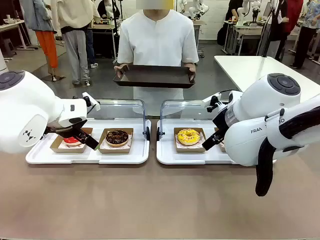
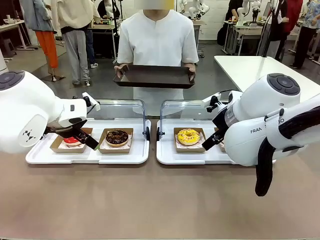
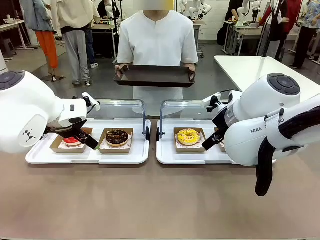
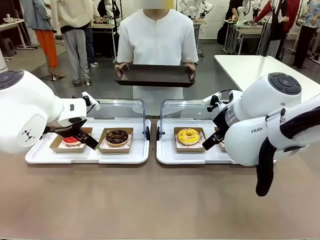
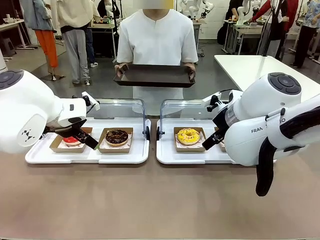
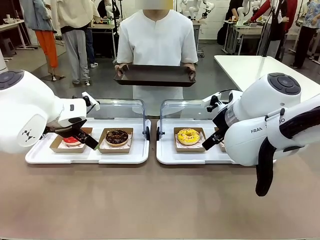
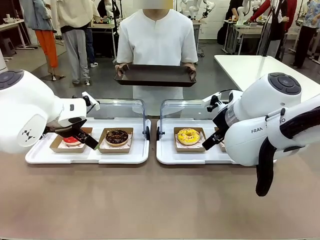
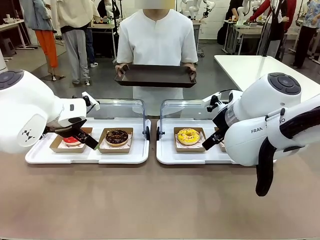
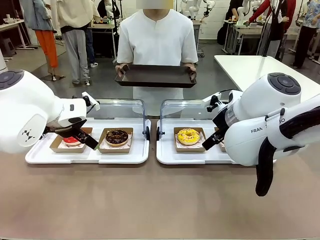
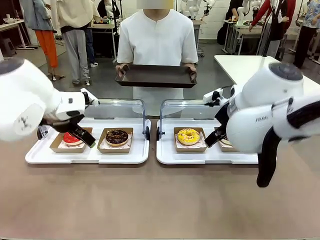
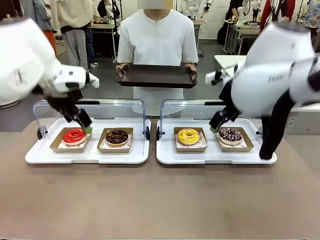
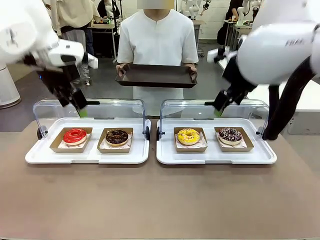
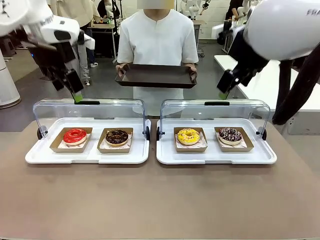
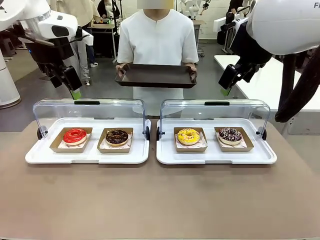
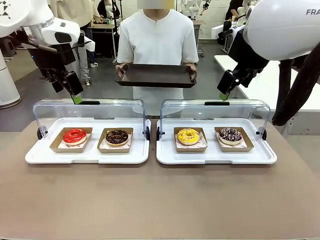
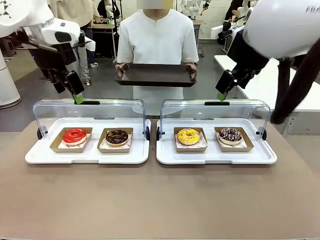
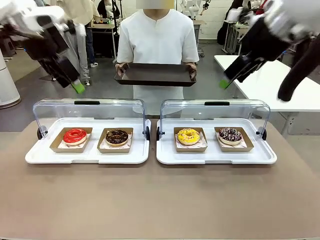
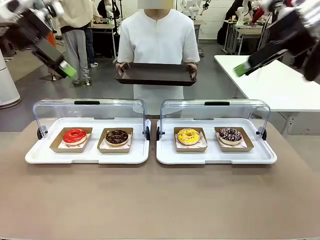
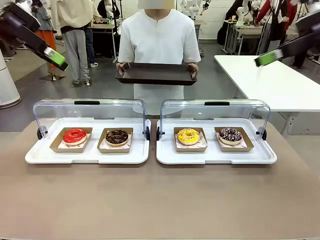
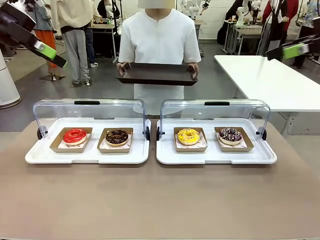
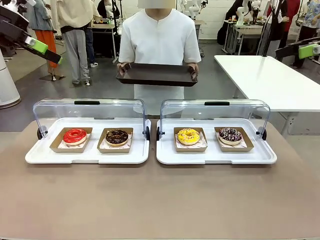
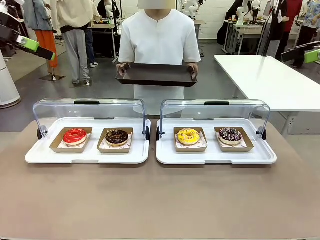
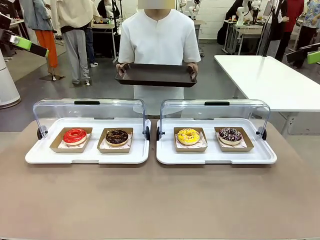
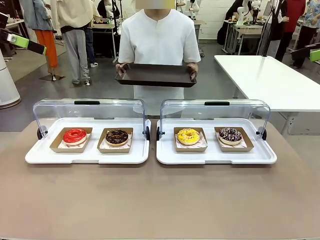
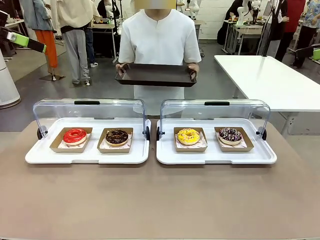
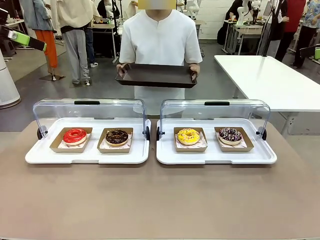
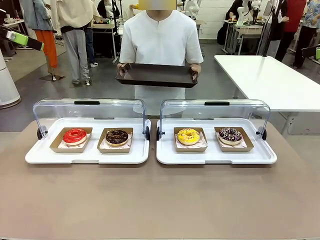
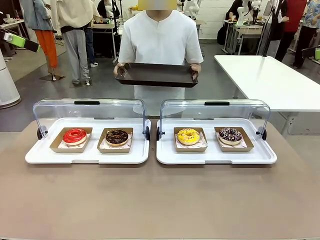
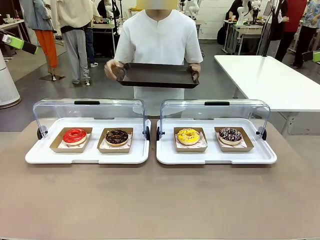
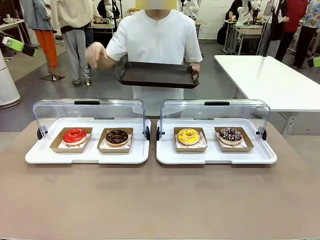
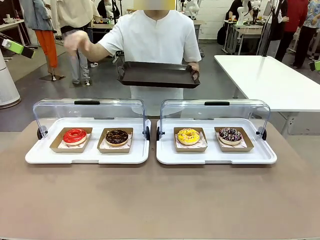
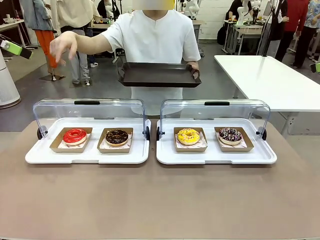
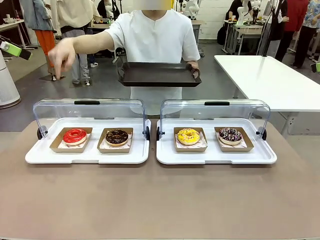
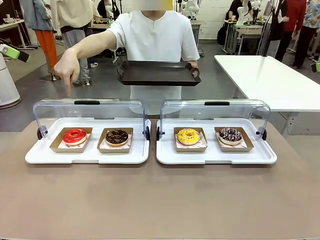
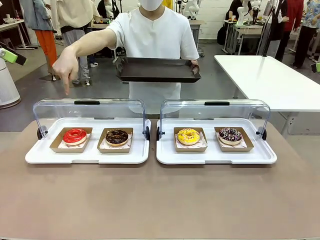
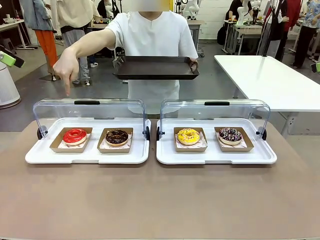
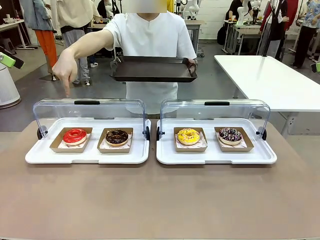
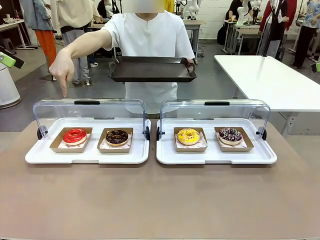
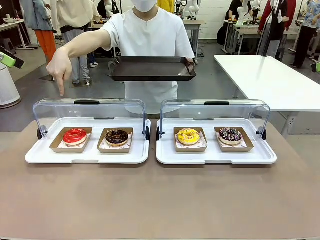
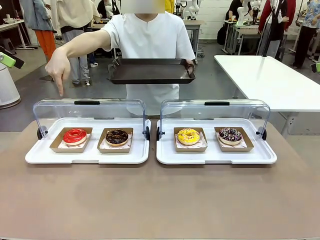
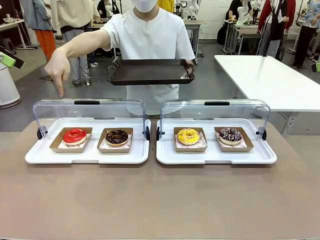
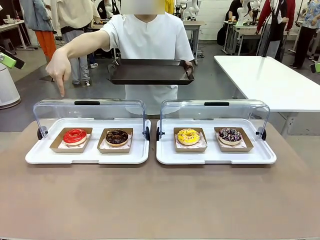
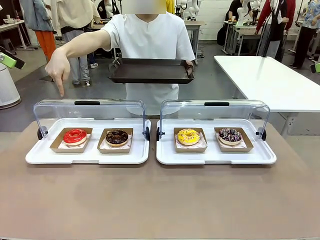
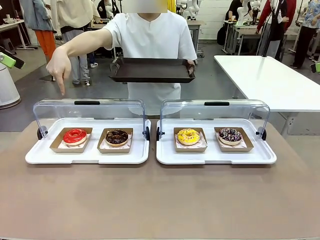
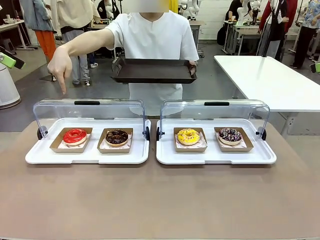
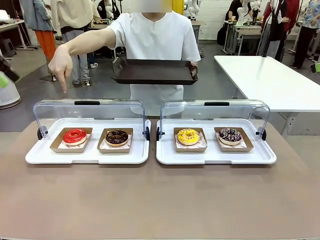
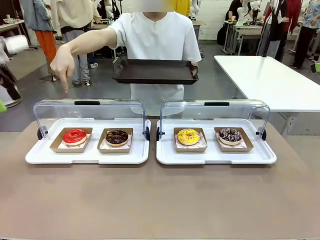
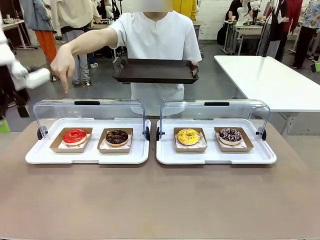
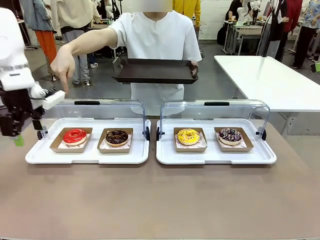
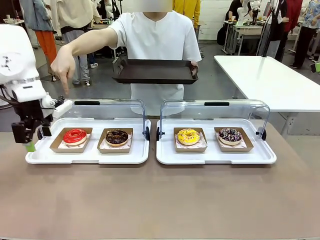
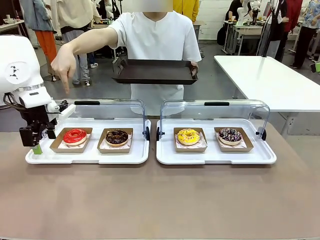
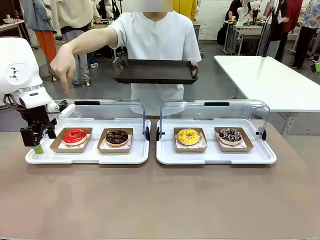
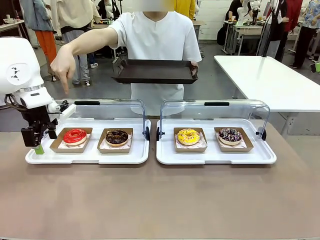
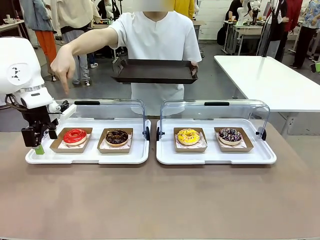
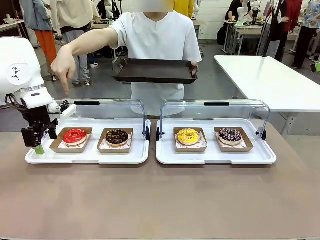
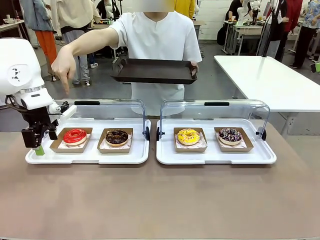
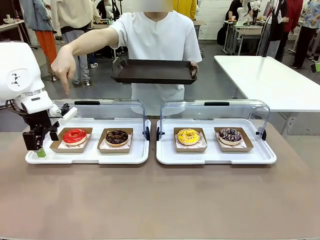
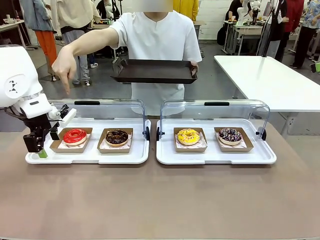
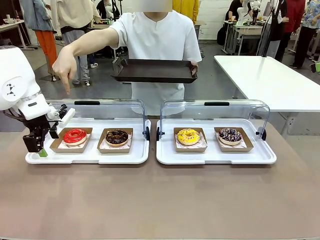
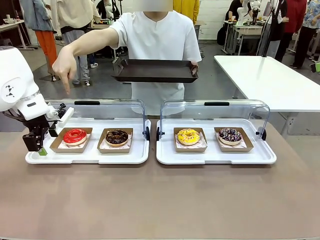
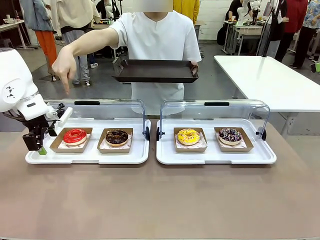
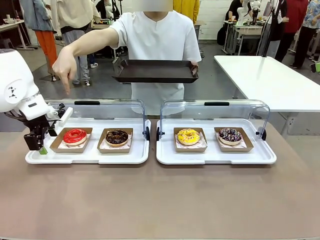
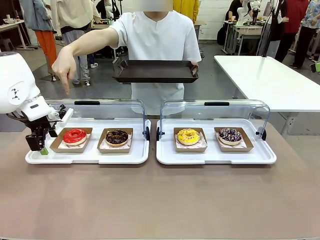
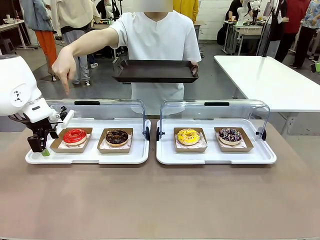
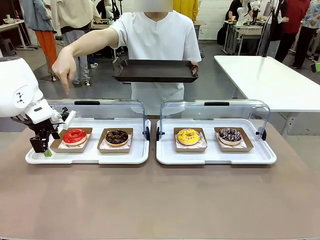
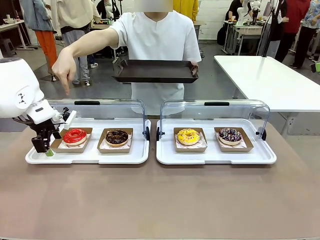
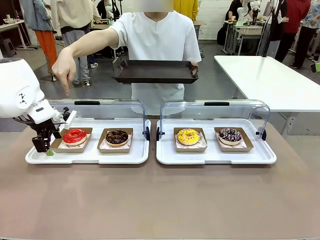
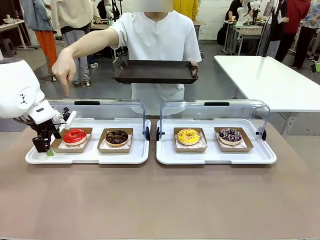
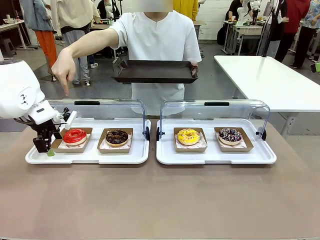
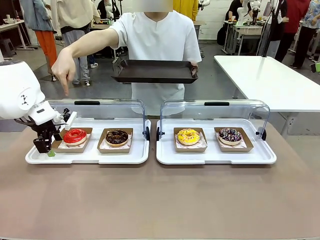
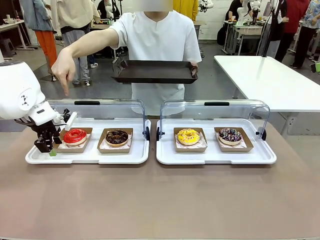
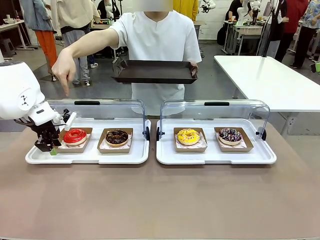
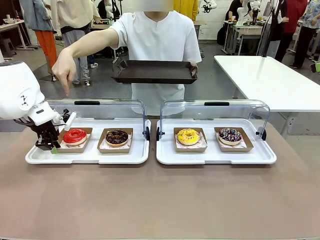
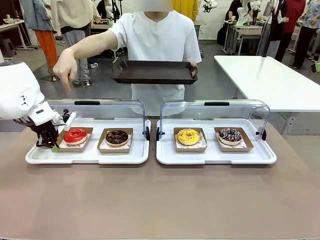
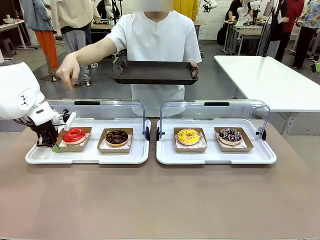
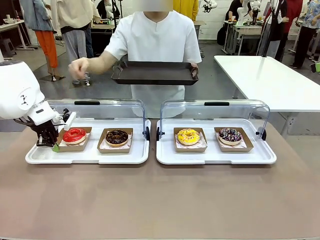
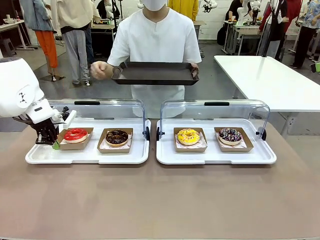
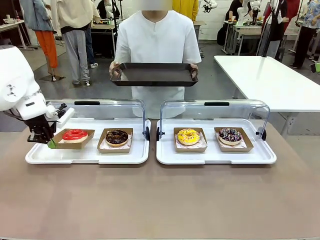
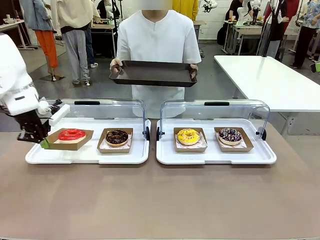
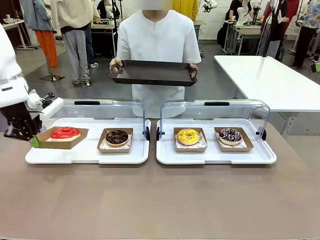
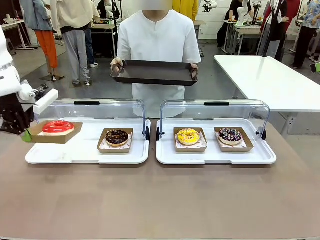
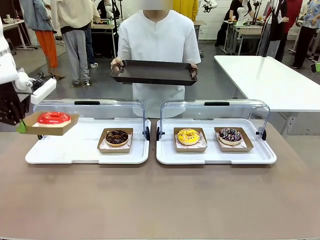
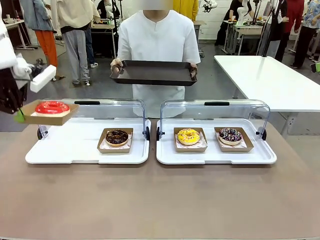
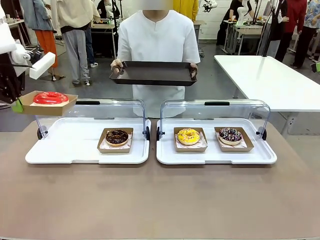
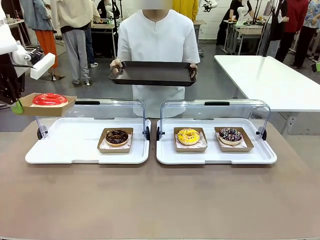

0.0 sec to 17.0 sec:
Task: Provide the desired donut to the person.
Robot: Pick up and lift the Paper togo box containing the Donut pointed at by the person.
Person: Point to one donut. Lift the tray onto the Roll-Top Bakery Case.

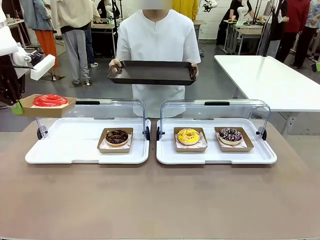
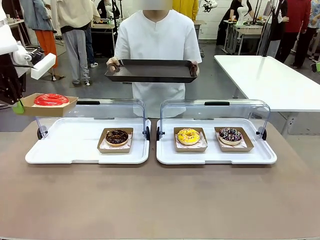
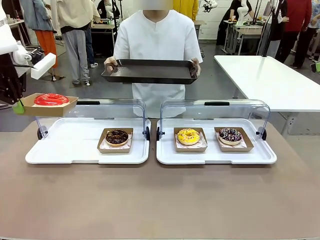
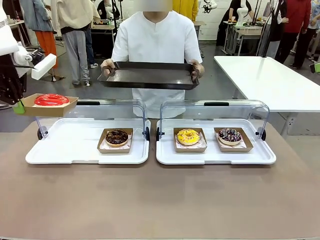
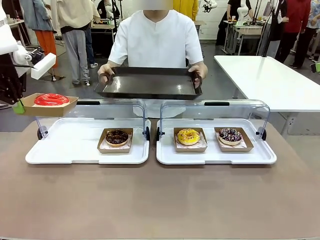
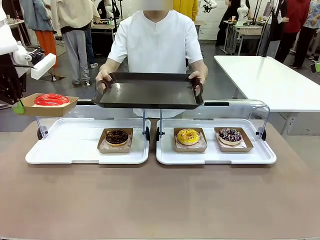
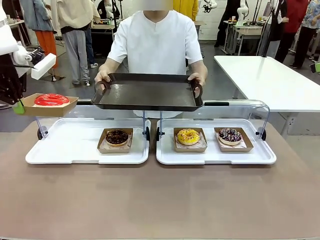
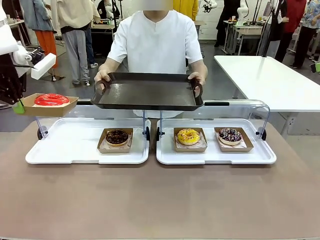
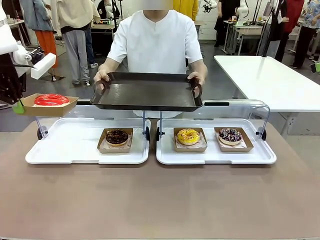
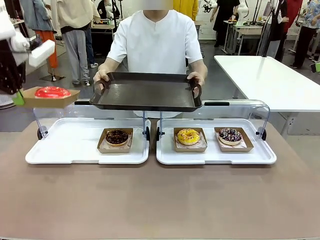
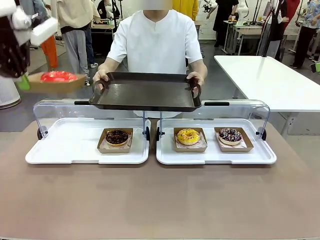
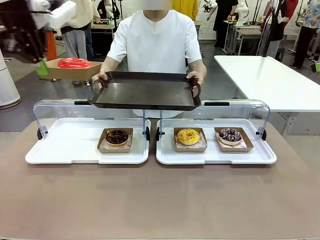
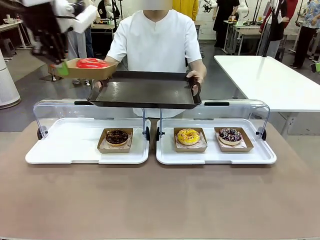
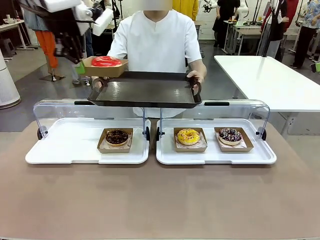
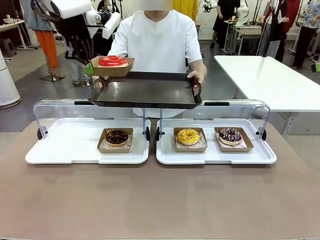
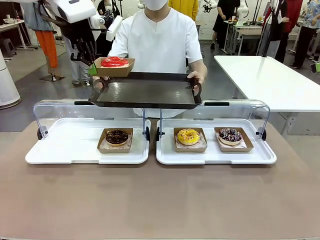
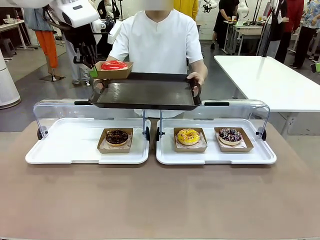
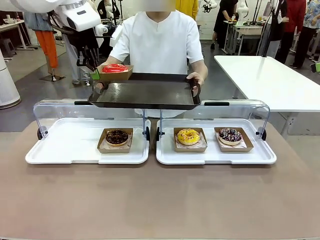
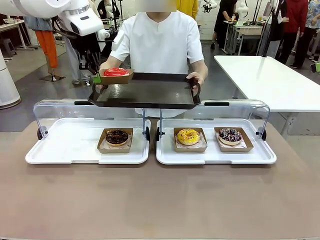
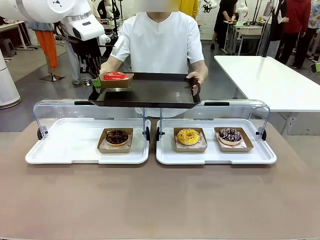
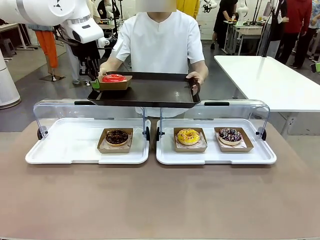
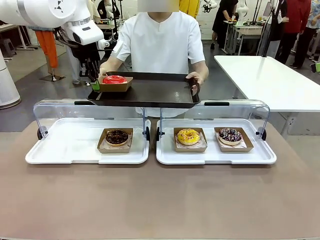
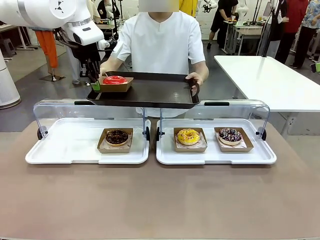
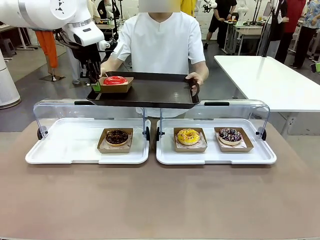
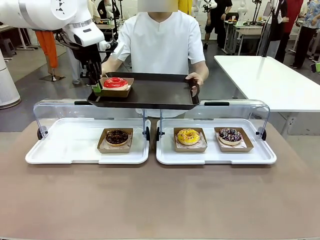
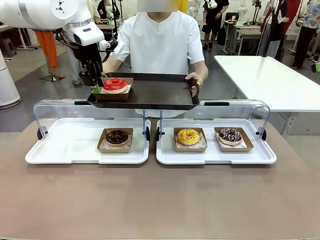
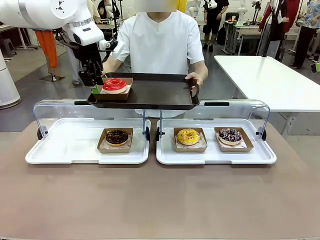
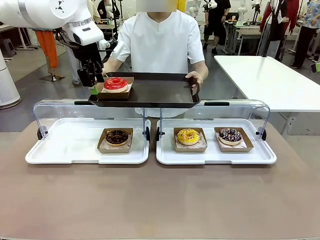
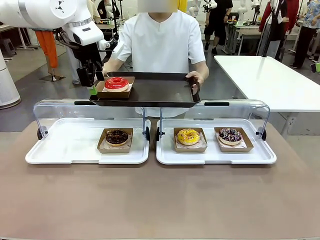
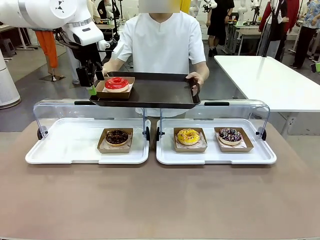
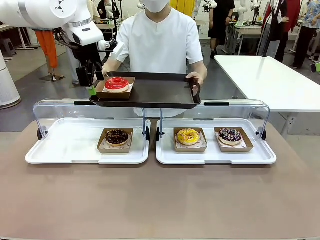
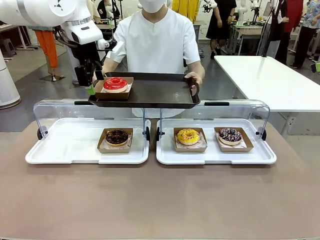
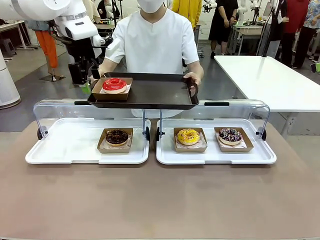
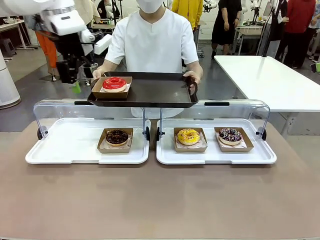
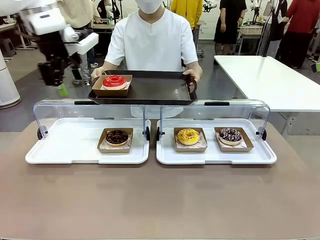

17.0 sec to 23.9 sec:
Robot: Place the picked Paper togo box onto the Handle tray extended by the person.
